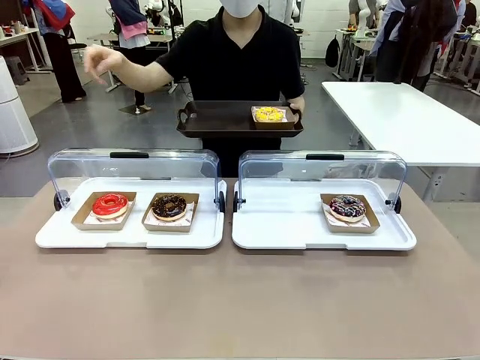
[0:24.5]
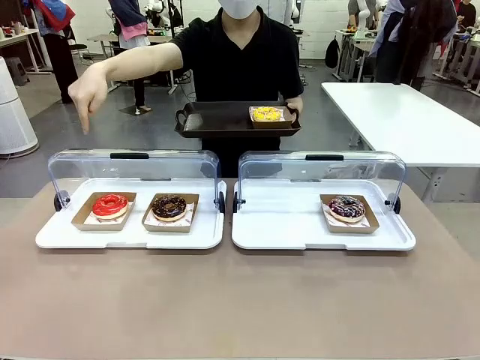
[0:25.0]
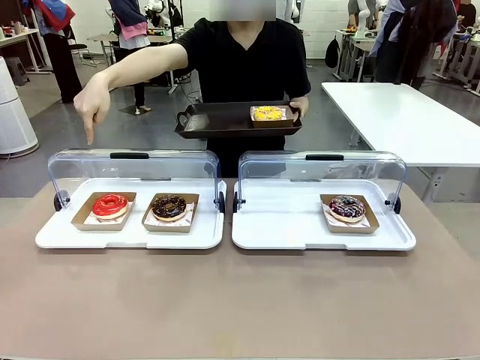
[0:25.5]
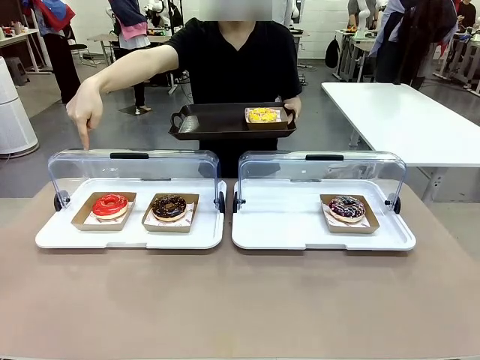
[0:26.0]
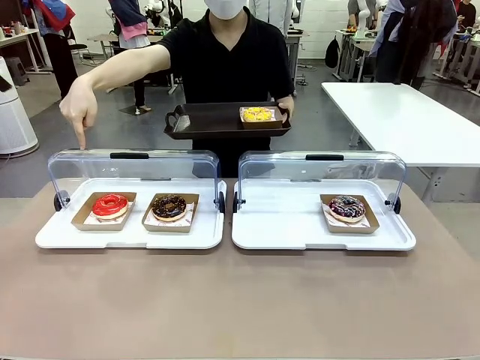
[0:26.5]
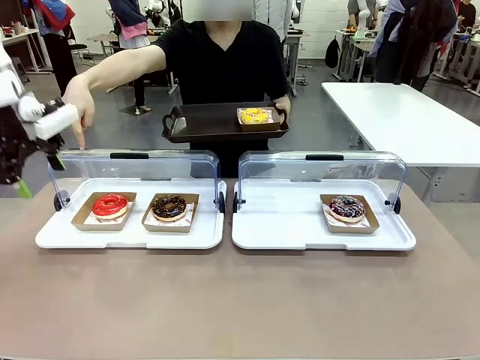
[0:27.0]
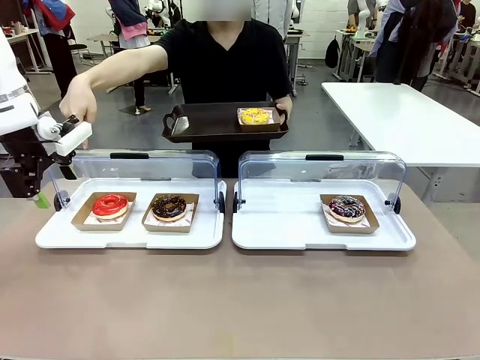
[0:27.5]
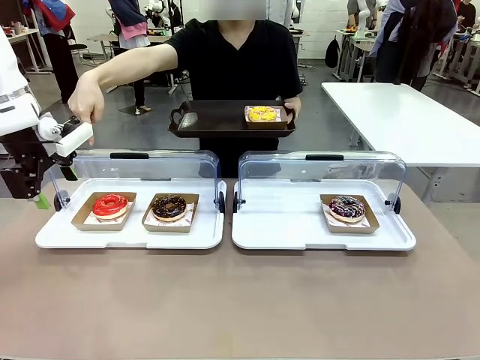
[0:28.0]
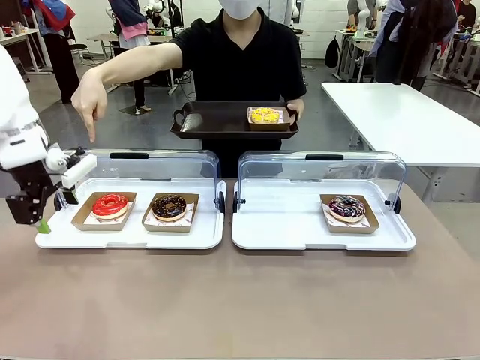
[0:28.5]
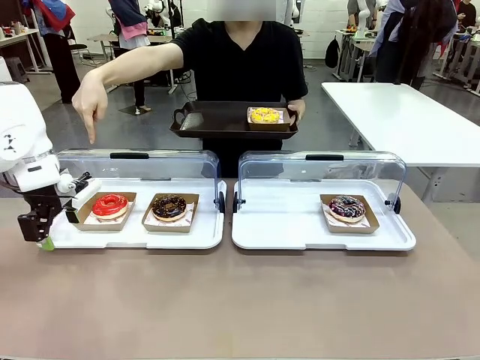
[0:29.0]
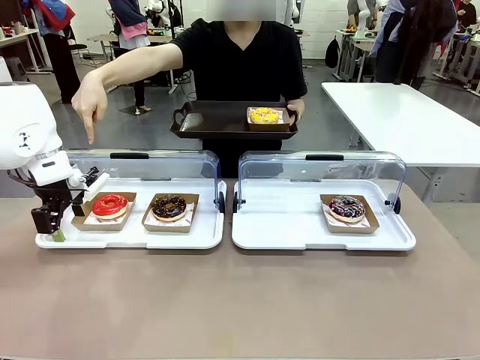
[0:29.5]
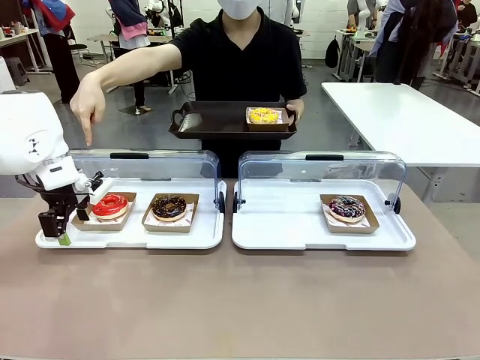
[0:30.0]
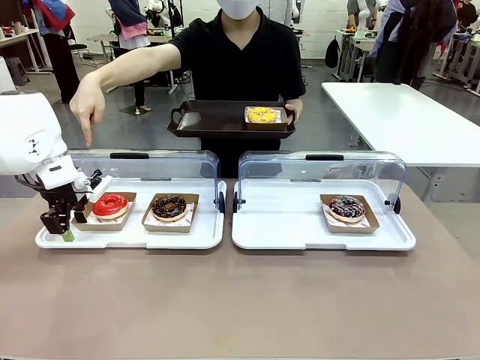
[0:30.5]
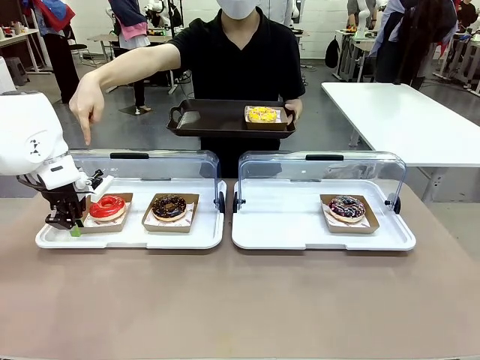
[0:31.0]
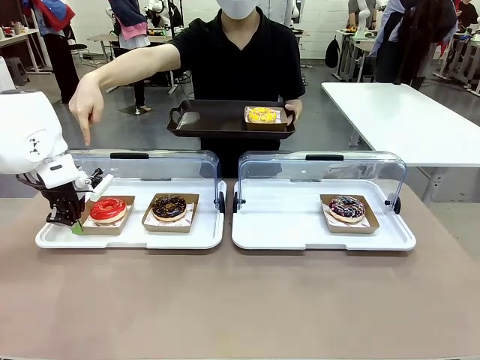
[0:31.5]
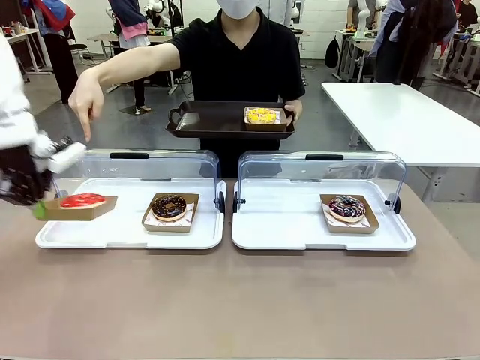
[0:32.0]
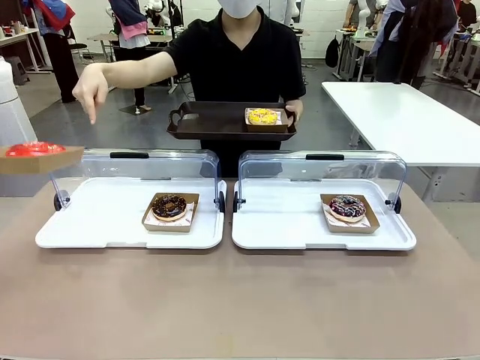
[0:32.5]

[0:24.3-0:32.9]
Task: Provide the desired donut to the person.
Robot: Pick up and lift the Paper togo box containing the Donut pointed at by the person.
Person: Lift the tray onto the Roll-Top Bakery Case.

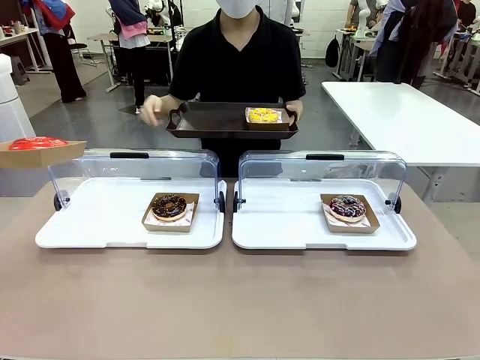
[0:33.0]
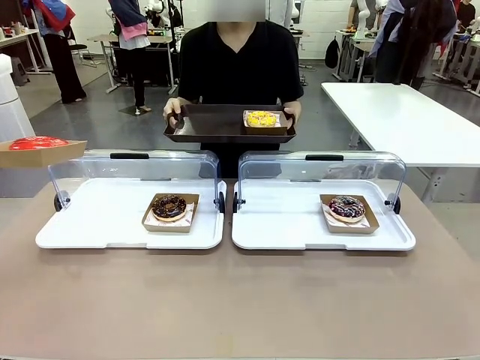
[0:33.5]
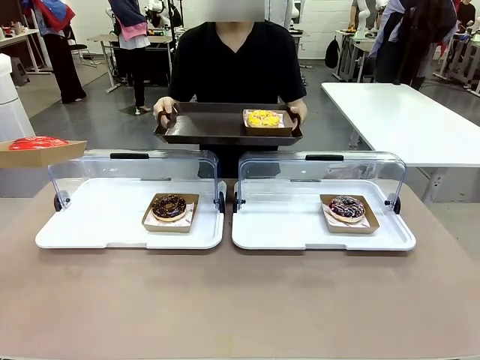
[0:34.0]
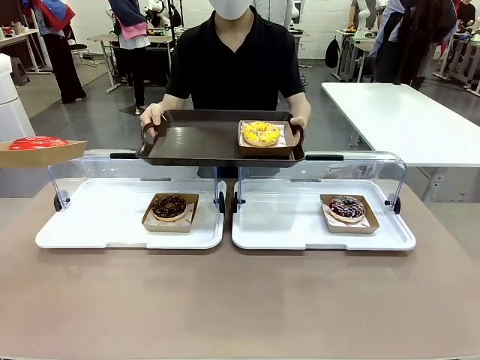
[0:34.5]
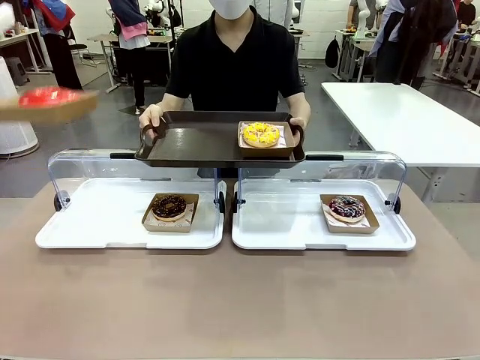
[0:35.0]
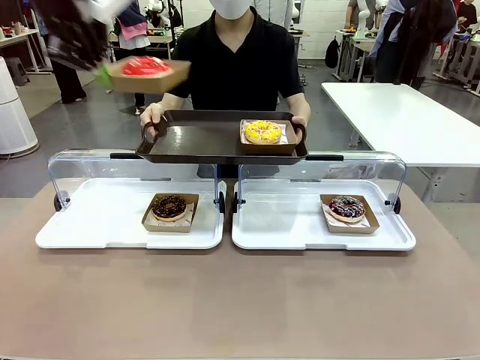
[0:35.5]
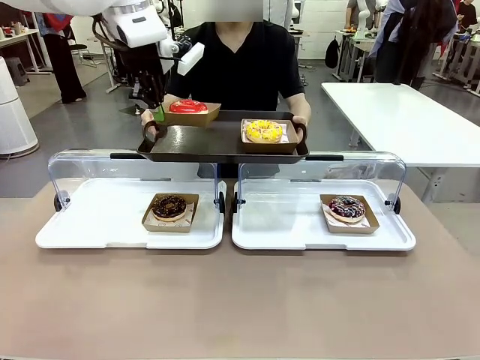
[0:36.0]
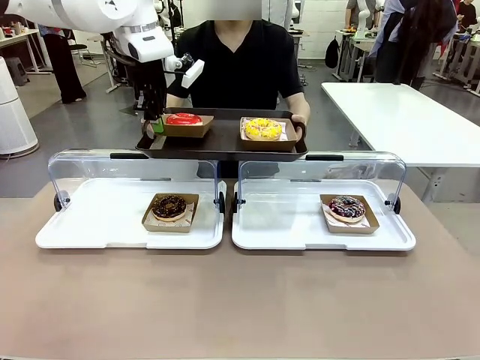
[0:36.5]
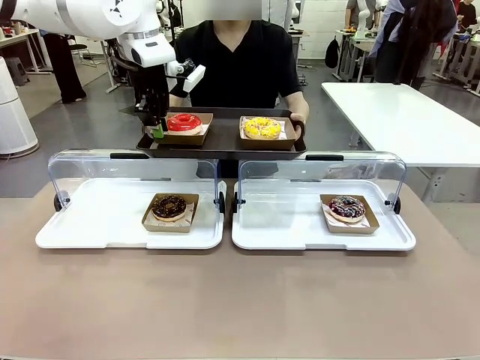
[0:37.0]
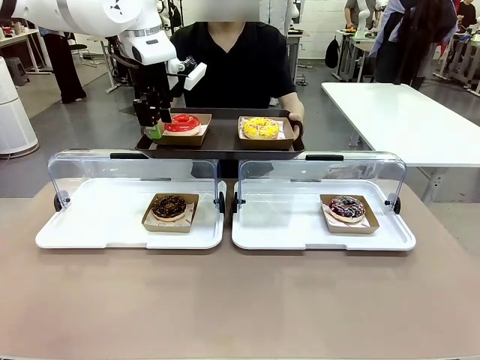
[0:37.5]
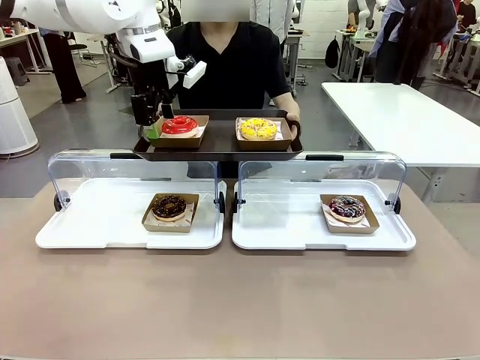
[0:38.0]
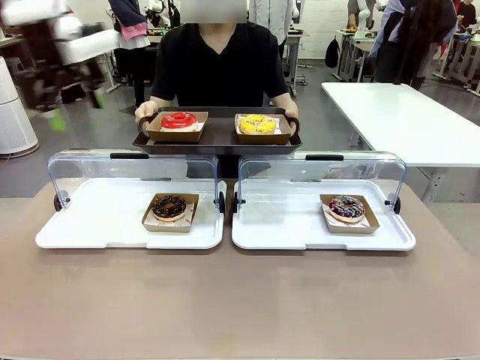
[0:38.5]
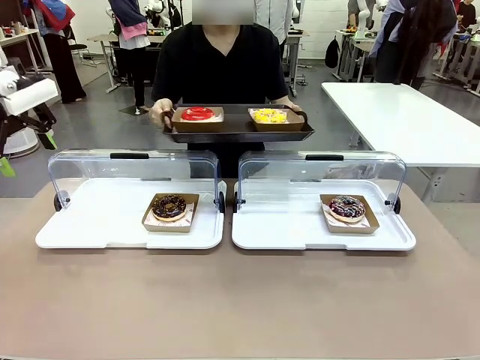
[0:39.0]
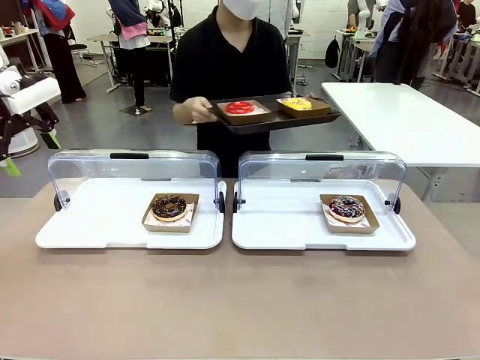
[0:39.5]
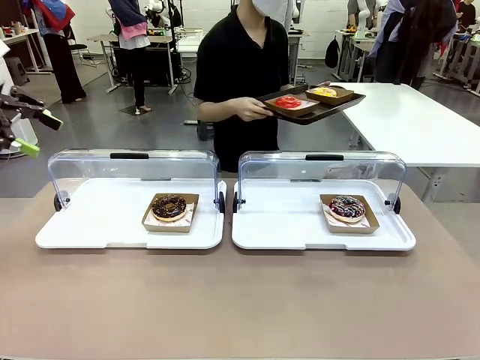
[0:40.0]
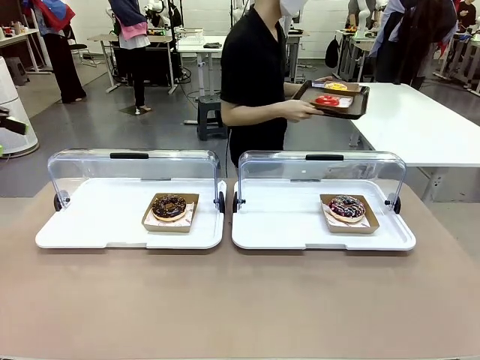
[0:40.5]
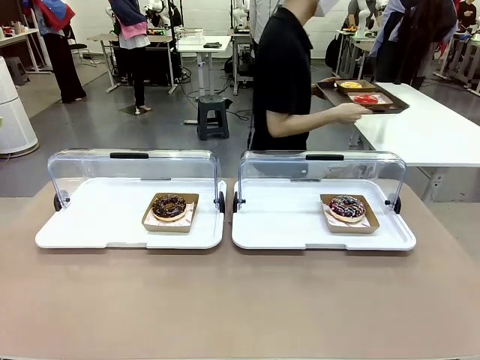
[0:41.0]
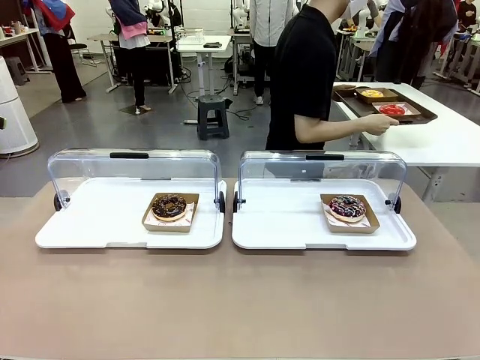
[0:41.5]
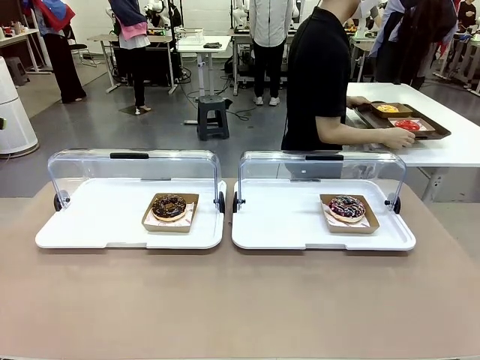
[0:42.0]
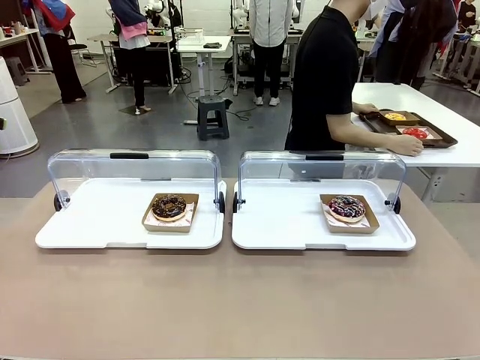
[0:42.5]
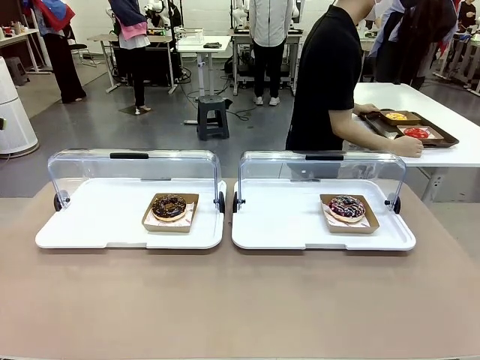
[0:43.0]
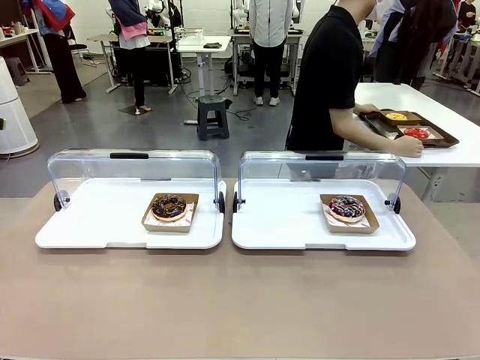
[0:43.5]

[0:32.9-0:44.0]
Robot: Place the picked Paper togo box onto the Handle tray extended by the person.
Person: Place the tray in the middle of the human table.
